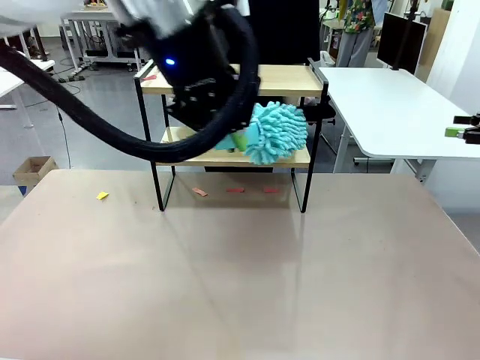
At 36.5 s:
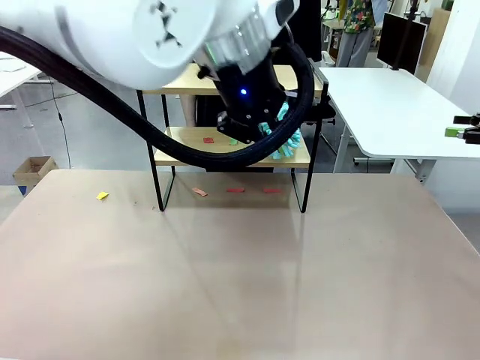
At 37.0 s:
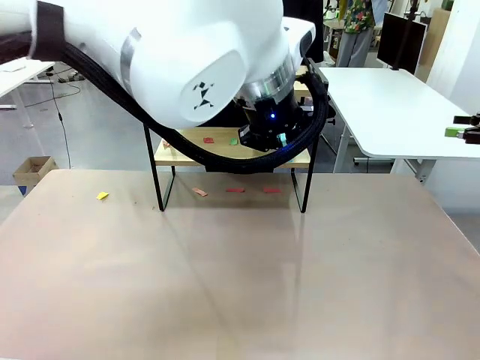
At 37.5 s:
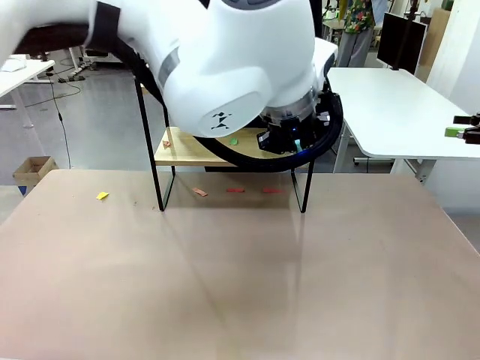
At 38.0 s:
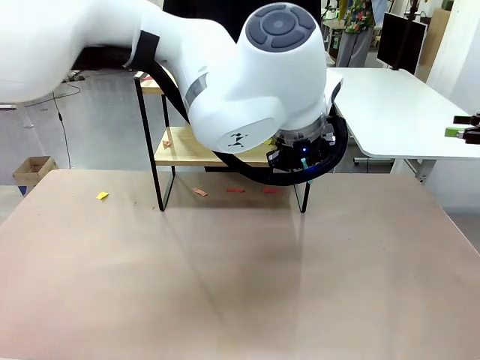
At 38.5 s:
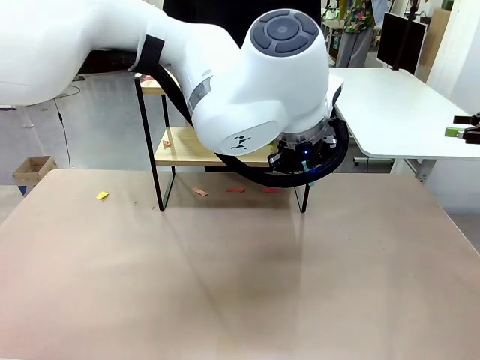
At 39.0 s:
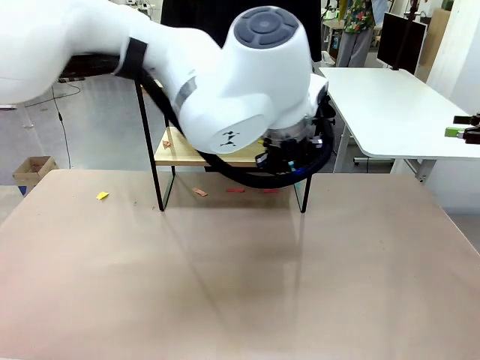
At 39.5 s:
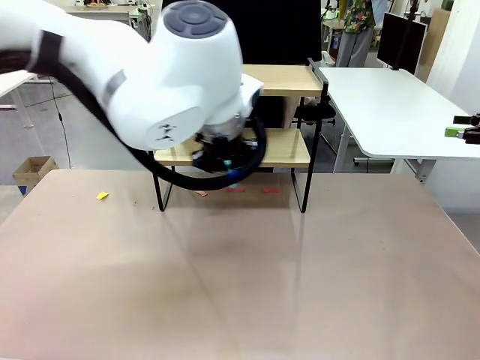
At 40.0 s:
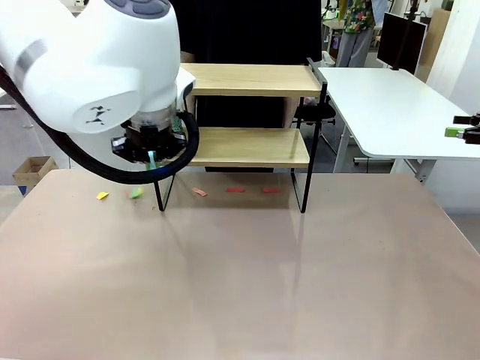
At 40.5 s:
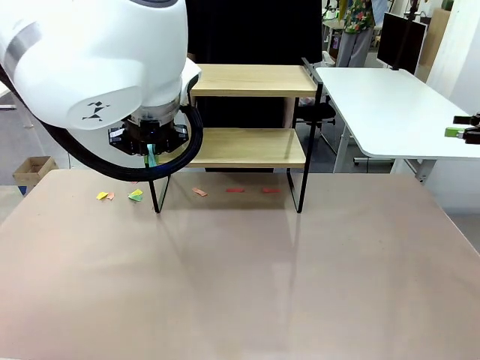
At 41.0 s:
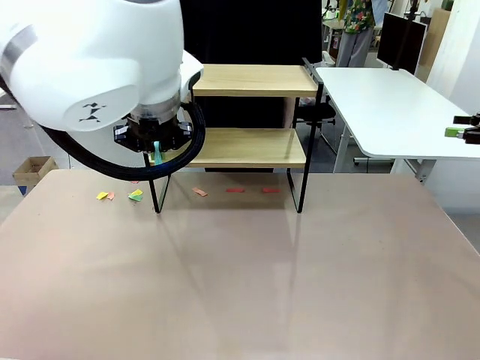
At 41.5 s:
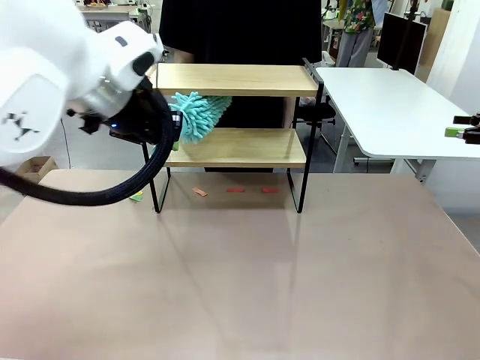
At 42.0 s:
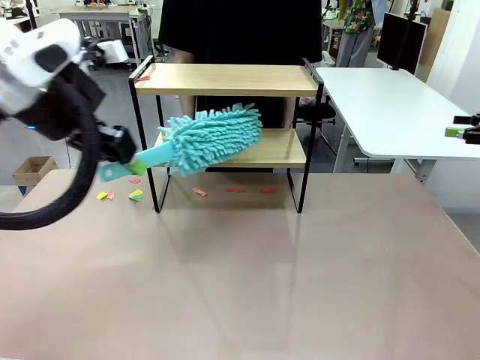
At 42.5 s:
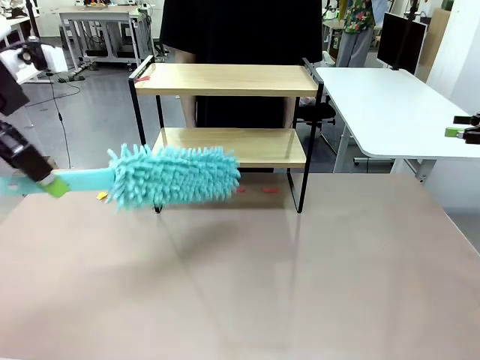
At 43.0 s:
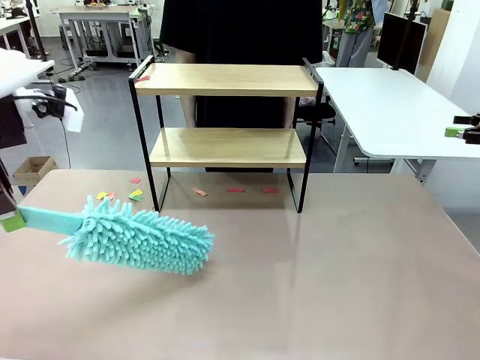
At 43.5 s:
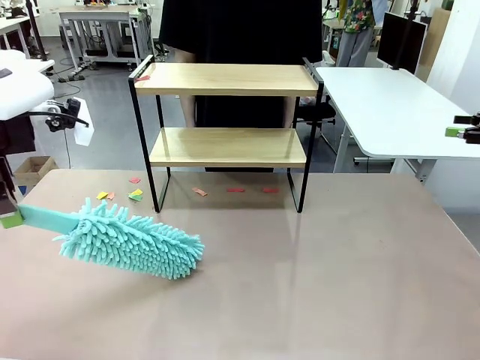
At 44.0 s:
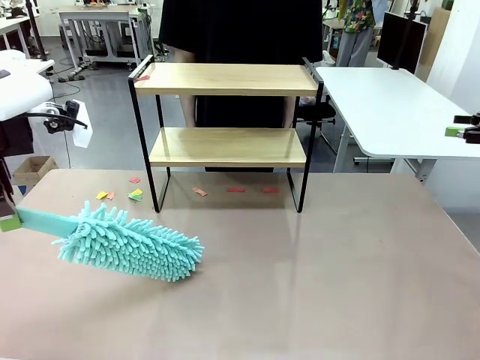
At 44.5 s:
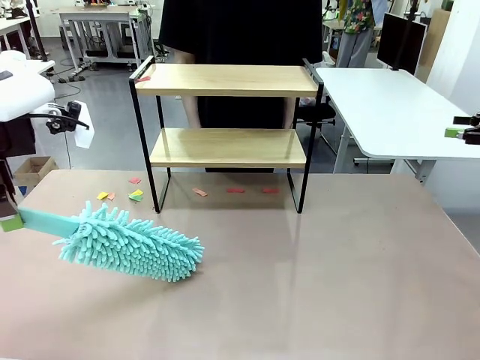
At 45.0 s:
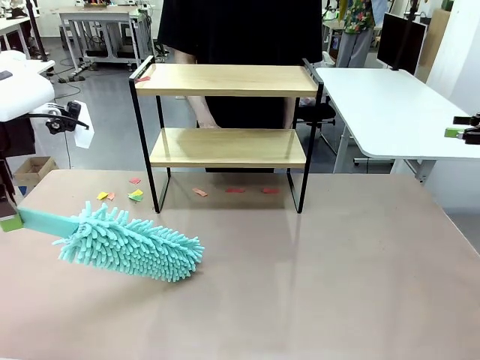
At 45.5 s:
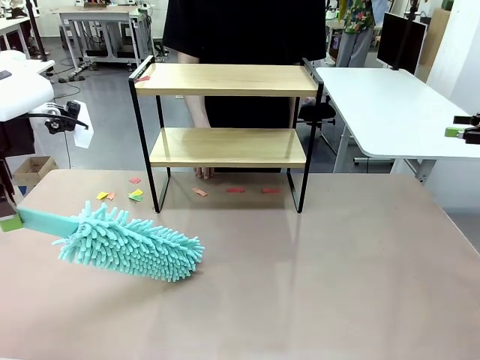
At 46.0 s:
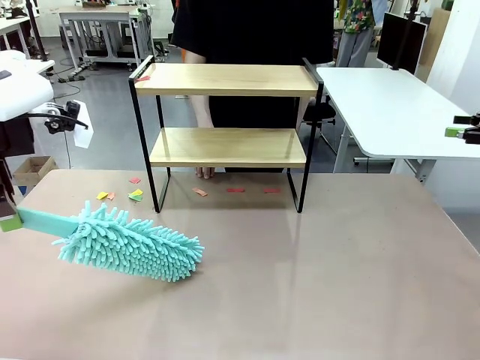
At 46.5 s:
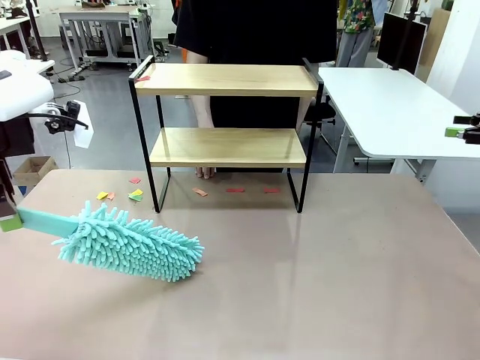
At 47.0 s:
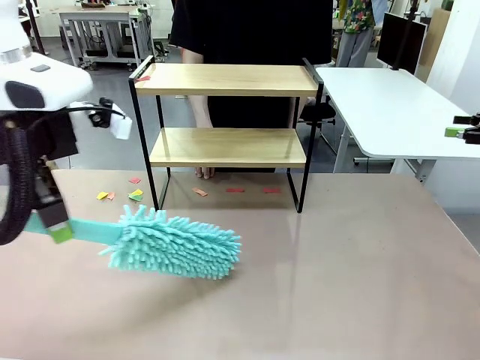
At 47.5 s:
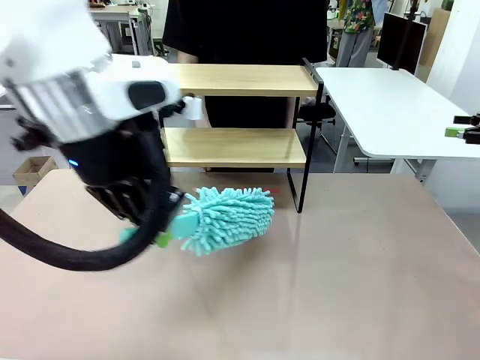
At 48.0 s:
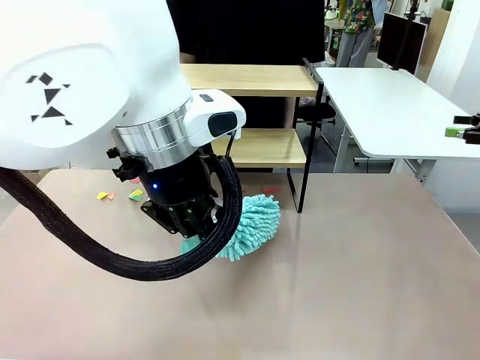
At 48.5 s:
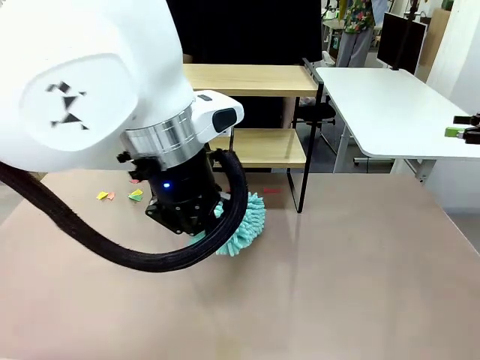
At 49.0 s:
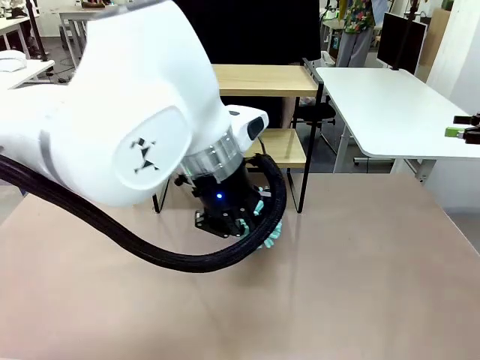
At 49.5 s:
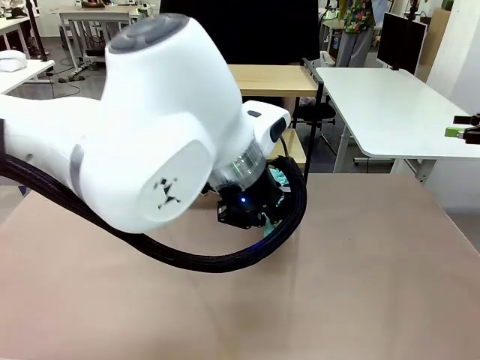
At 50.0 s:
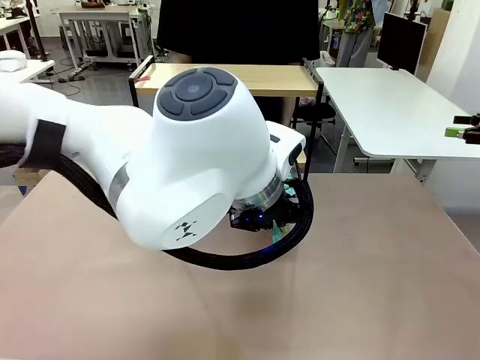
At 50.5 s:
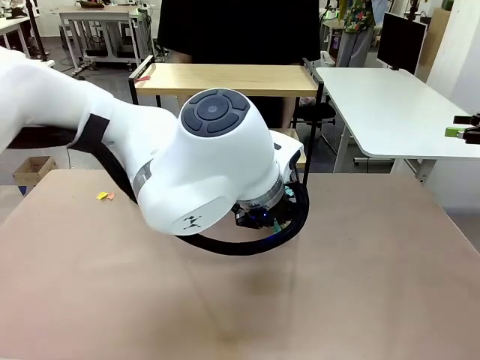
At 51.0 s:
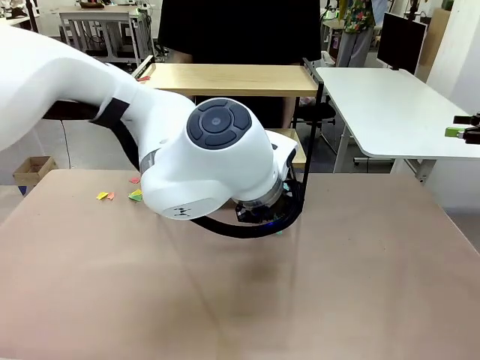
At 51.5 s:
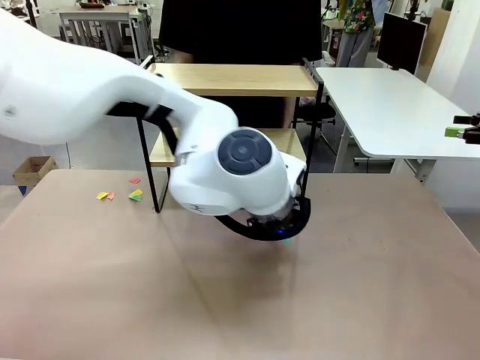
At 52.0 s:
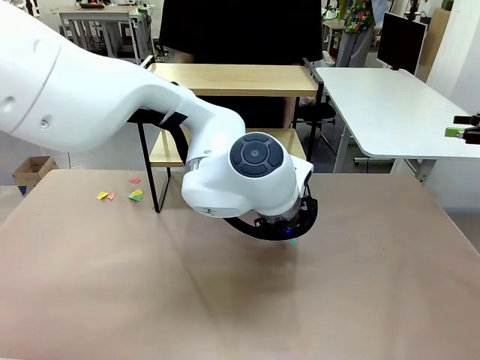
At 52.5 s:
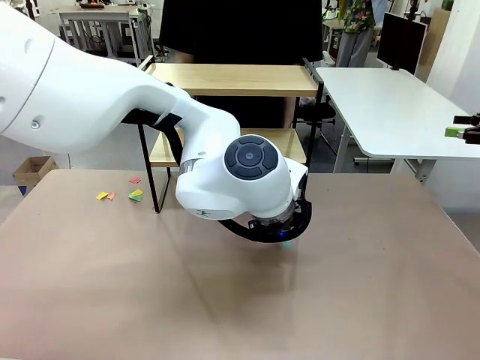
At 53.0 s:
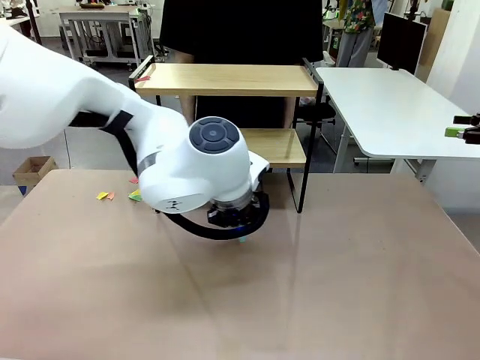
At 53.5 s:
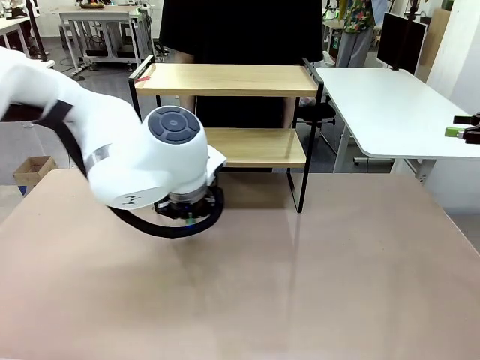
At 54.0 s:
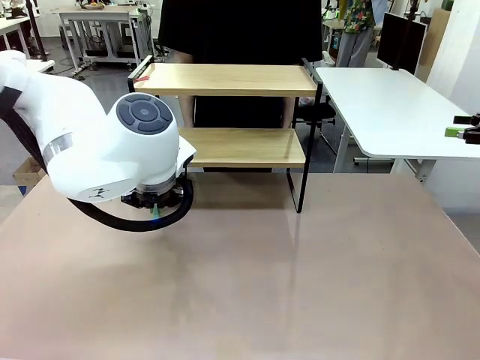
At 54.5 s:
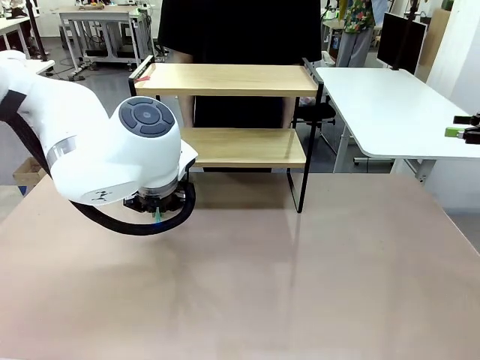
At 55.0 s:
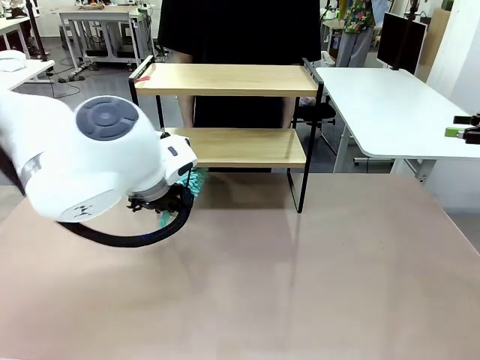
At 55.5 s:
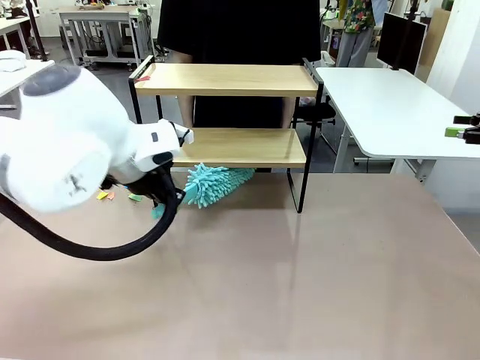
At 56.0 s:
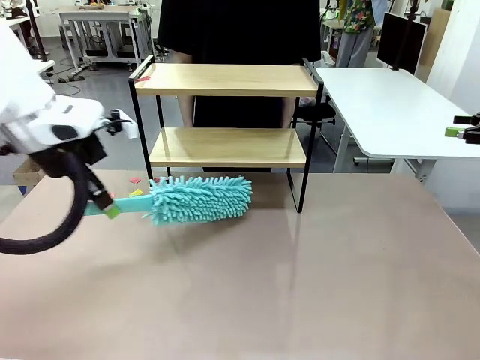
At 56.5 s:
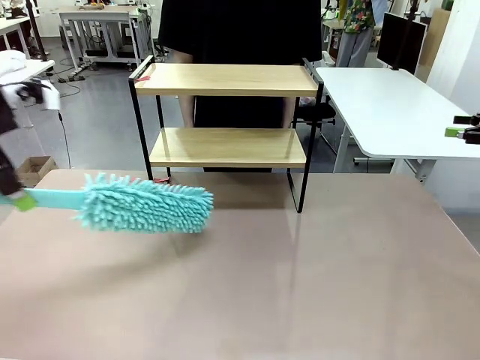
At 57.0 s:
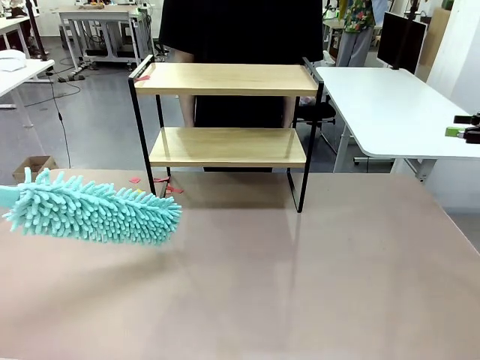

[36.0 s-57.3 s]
Task: Clean the shelf.
Robot: Clean the specific section of the Shelf indicated by the human with the Duster.
Person: Point a remaining section of the Shelf.
